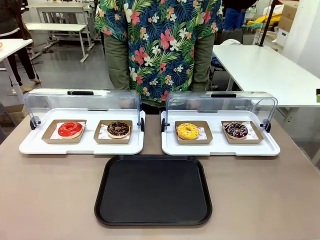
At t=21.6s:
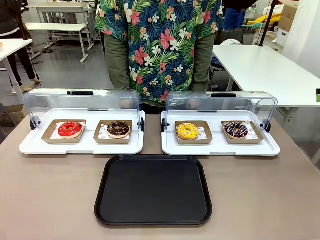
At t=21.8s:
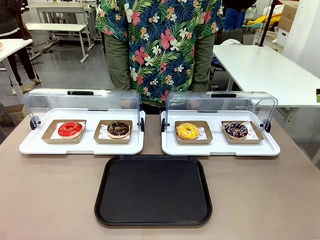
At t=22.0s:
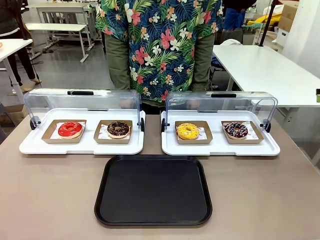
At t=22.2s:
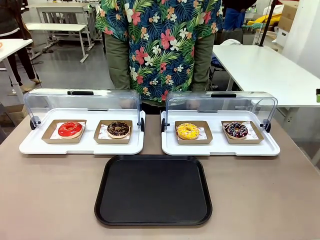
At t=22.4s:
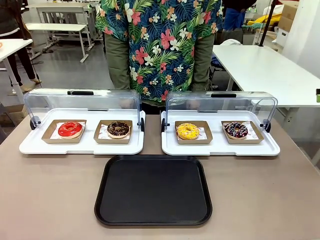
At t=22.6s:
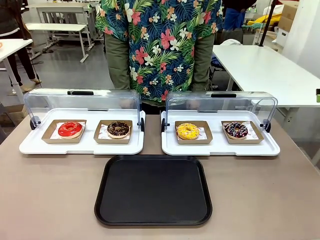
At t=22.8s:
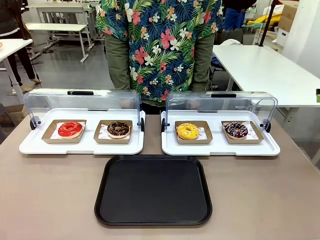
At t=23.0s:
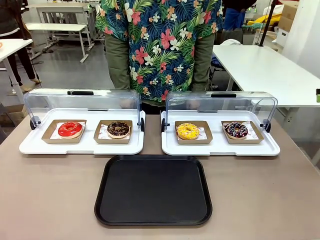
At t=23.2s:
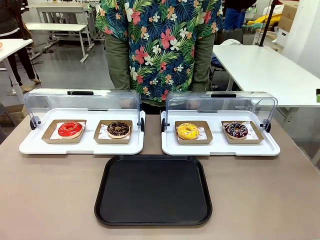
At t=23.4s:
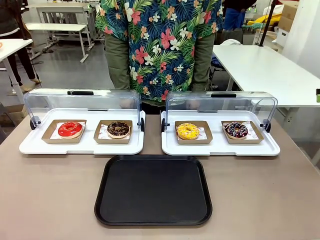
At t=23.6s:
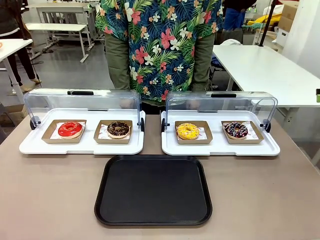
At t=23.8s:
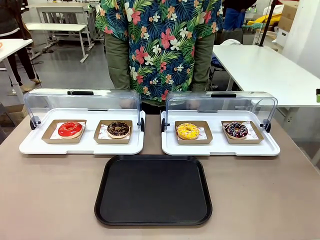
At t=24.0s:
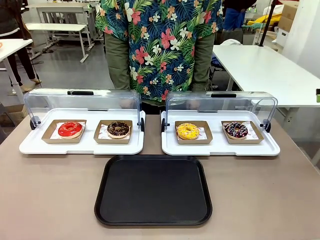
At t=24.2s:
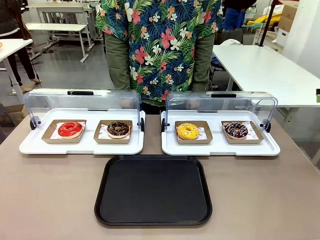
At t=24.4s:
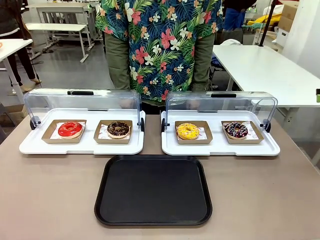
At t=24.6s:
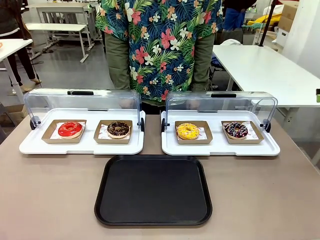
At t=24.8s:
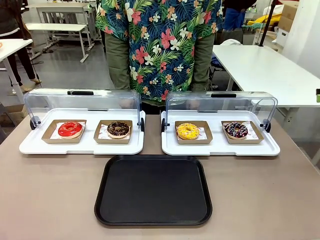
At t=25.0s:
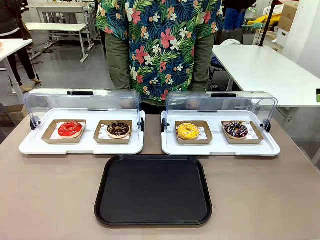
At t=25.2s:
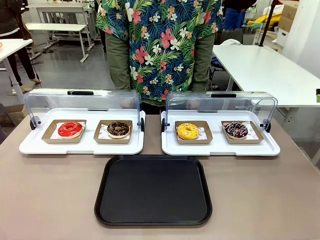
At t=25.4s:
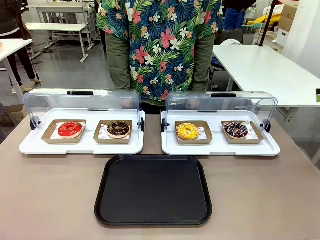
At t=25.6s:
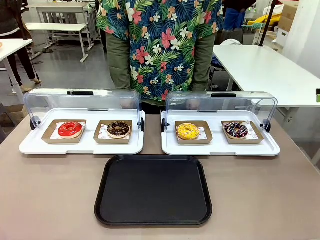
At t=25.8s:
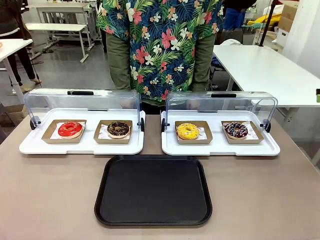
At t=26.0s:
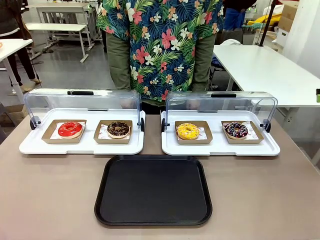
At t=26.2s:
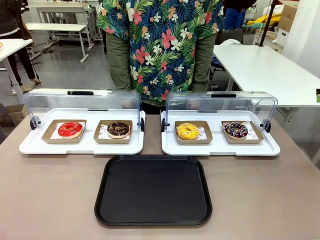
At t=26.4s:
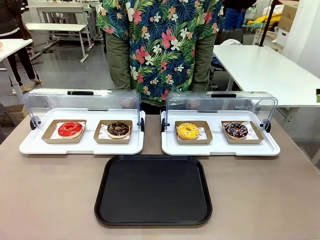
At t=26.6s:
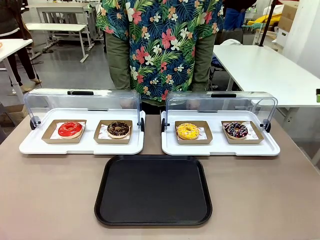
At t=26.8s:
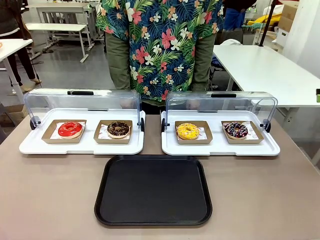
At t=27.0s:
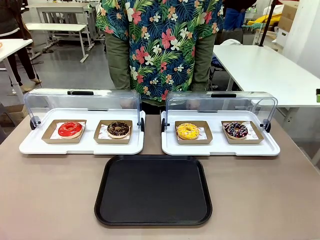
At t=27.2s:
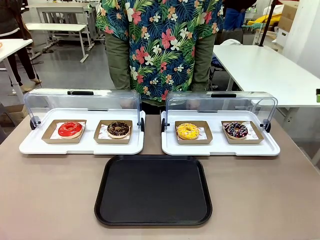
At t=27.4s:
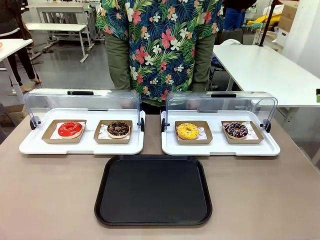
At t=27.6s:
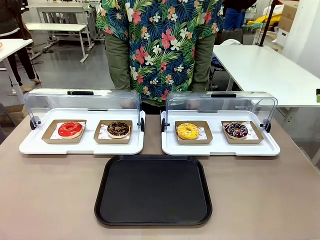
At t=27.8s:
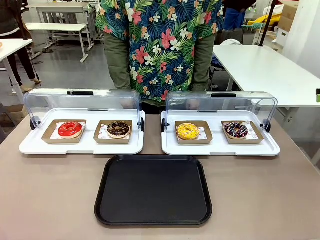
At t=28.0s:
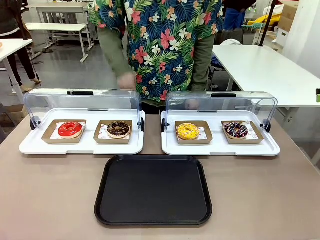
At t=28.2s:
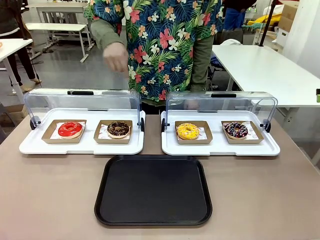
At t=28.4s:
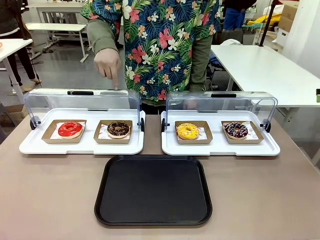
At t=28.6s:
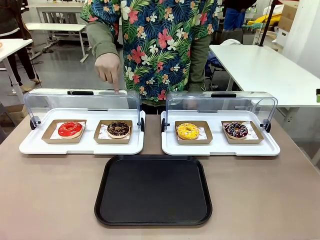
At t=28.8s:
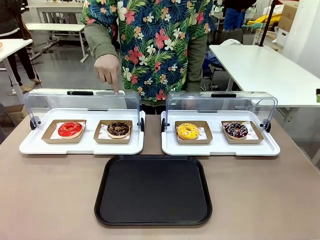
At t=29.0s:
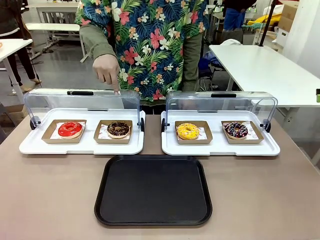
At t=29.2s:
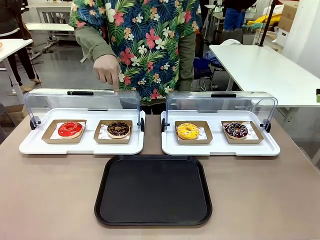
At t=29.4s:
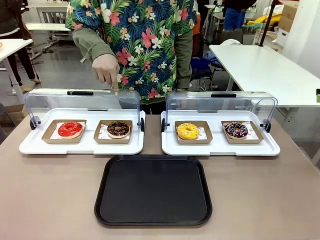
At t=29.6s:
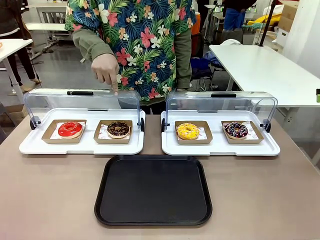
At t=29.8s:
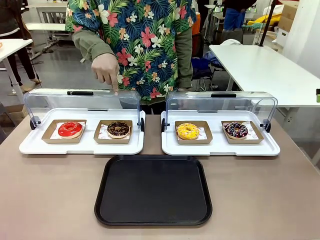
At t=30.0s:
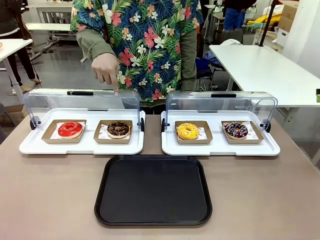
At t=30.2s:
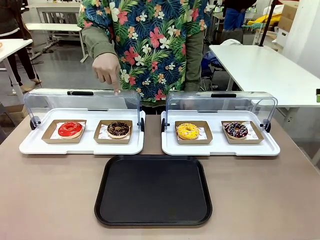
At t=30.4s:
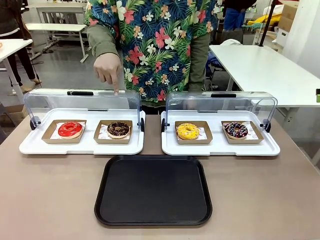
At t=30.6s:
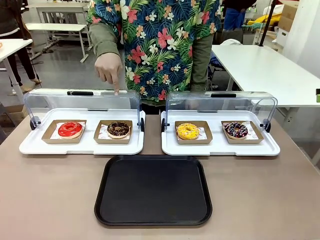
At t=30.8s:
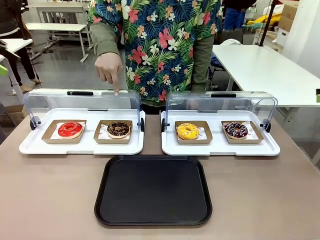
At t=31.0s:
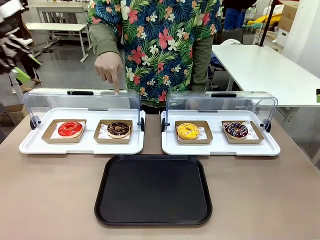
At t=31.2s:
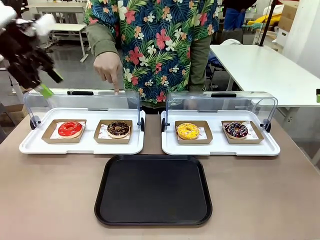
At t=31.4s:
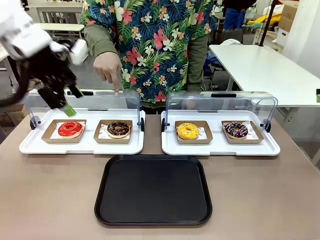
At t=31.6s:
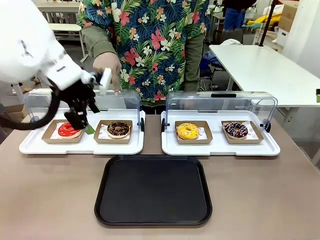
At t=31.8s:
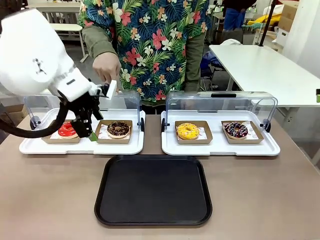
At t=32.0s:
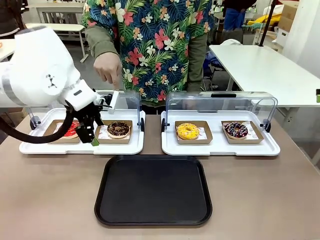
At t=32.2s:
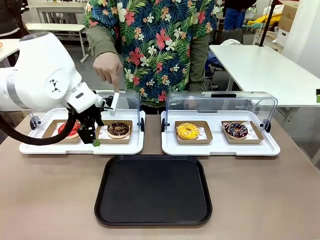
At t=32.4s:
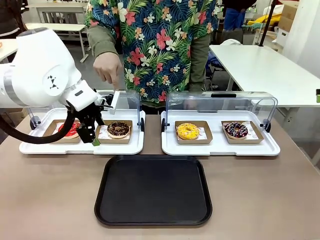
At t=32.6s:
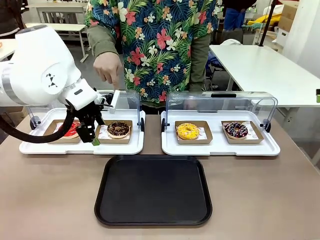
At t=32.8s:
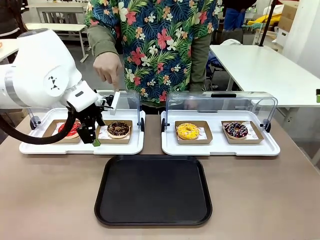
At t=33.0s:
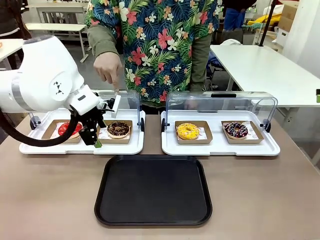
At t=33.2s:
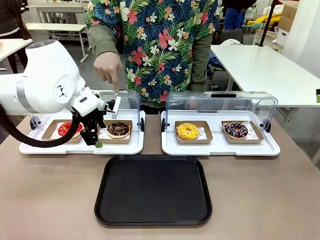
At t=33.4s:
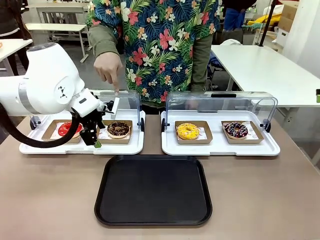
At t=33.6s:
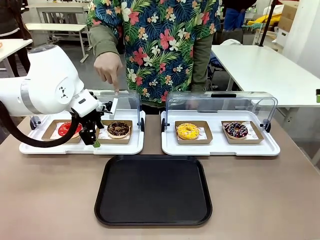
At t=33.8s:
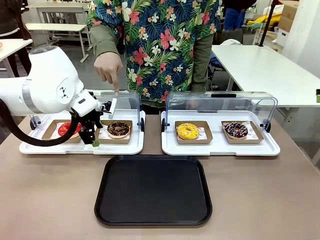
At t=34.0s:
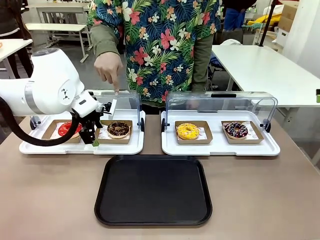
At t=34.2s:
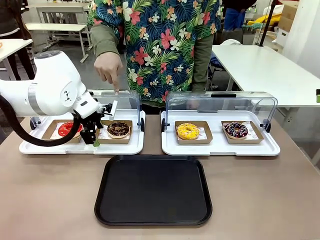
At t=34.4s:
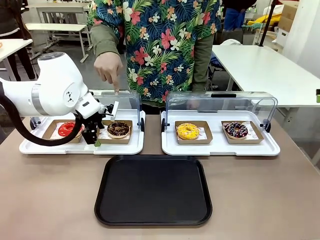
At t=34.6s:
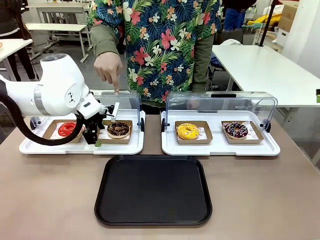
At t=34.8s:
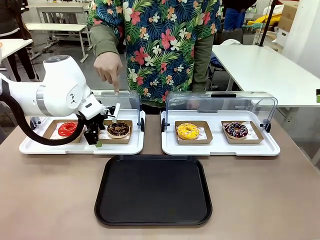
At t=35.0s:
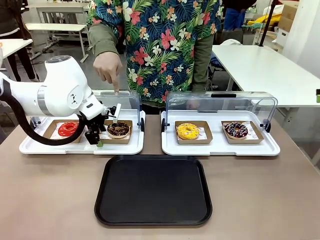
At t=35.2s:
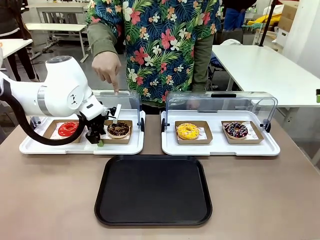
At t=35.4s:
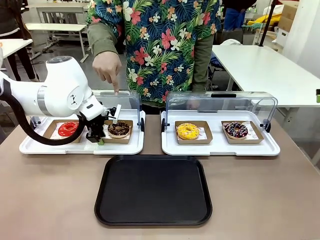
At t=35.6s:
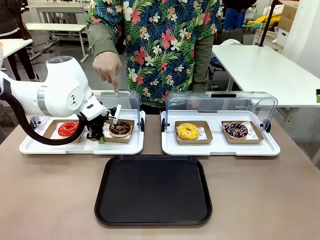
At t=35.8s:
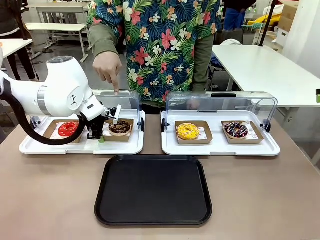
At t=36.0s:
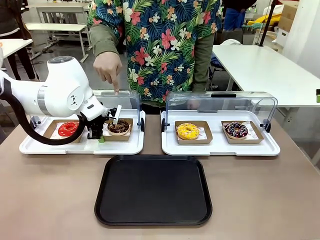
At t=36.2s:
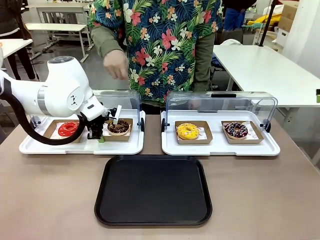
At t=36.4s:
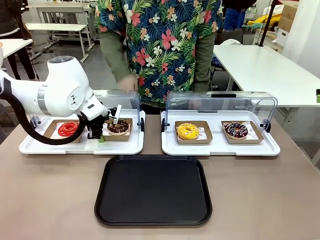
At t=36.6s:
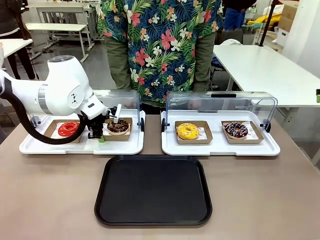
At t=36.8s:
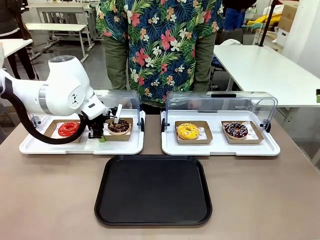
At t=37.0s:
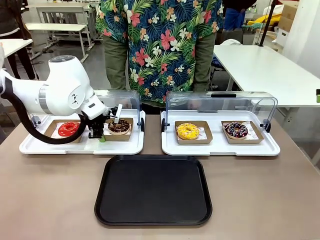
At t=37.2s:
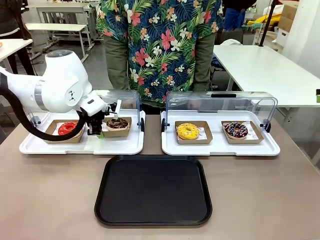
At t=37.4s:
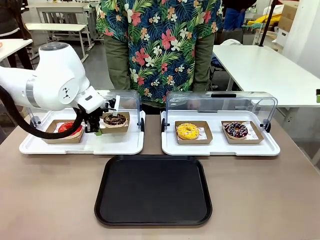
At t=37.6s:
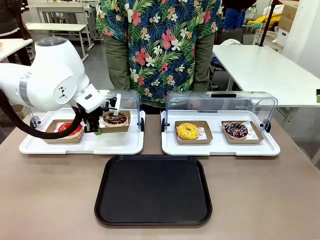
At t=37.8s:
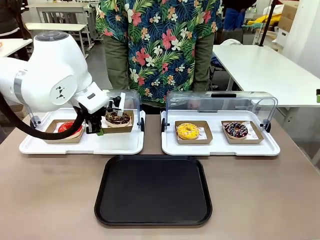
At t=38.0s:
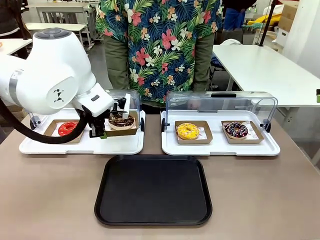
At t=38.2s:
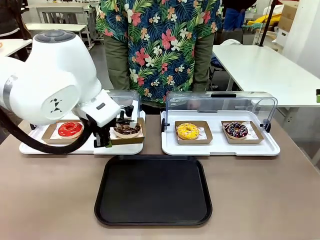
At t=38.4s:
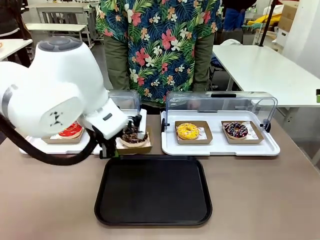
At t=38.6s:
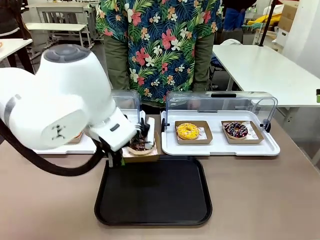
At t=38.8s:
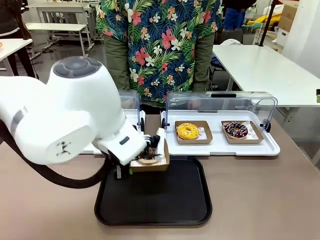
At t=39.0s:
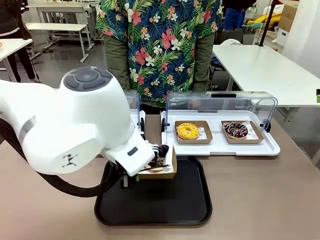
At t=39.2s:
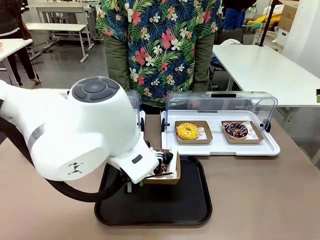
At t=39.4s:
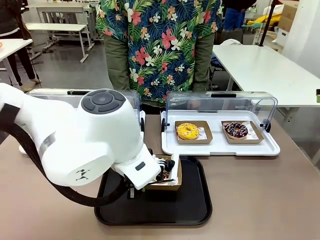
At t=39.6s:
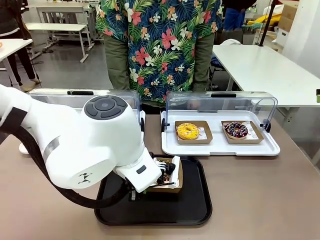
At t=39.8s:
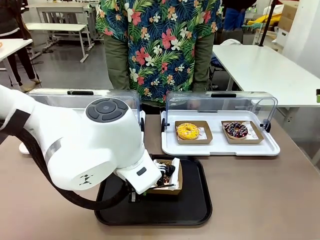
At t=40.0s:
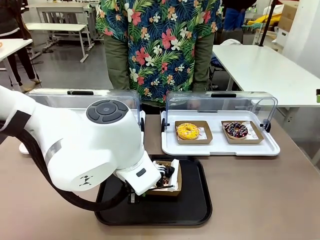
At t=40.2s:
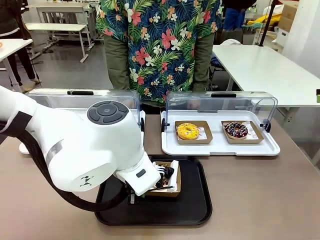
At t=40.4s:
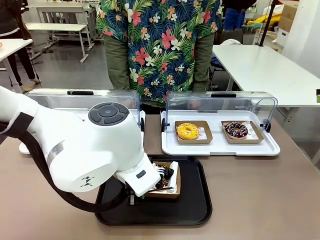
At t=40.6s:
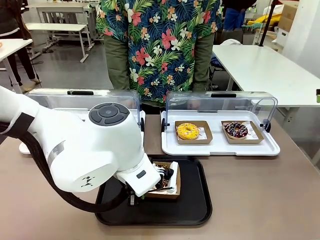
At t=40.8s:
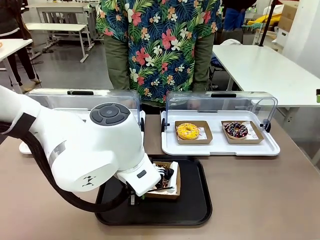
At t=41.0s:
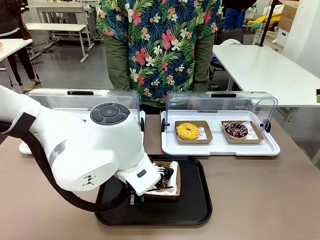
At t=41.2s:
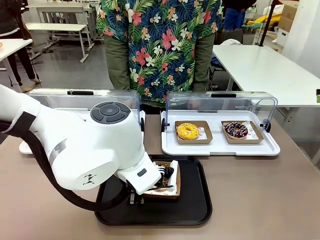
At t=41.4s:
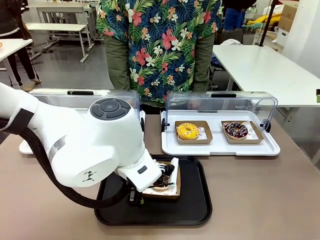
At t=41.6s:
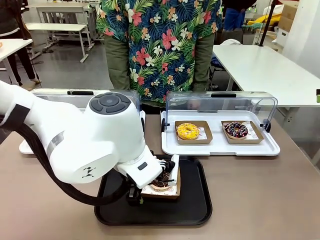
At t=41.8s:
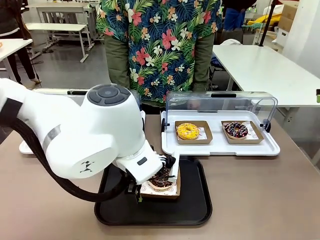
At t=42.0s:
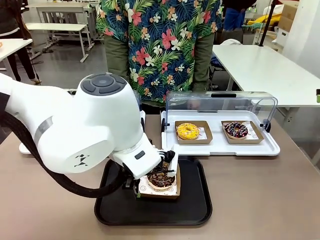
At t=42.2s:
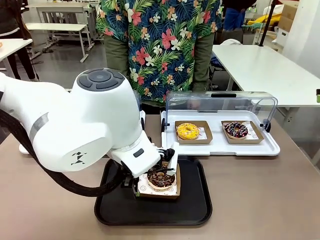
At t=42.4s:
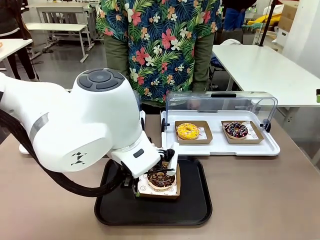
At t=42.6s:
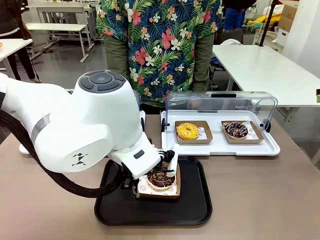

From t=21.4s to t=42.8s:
Task: Move the second donut from the left to the tray.
Robot: Pick up the Paper togo box containing the Donut indicated by the person and place it on the Handle tray.
